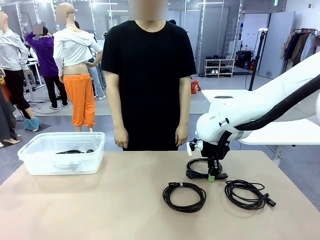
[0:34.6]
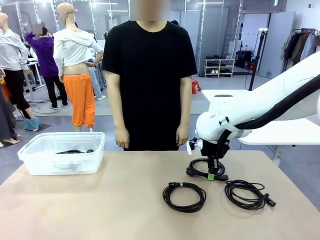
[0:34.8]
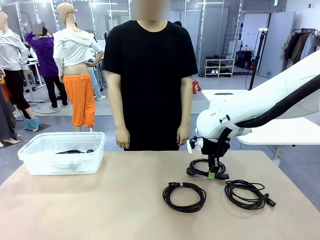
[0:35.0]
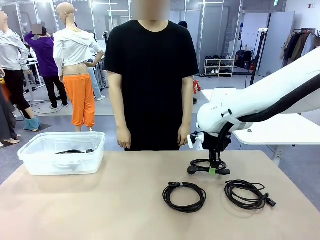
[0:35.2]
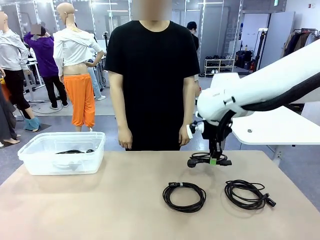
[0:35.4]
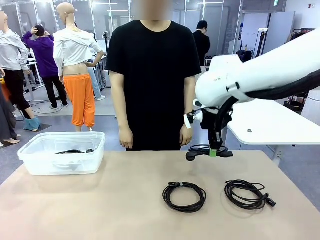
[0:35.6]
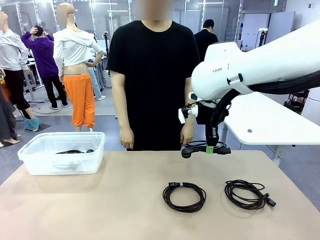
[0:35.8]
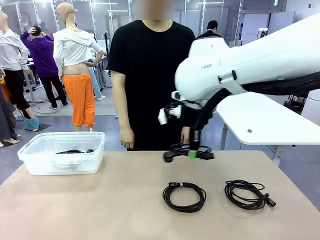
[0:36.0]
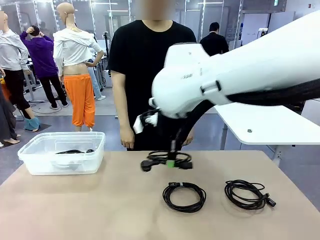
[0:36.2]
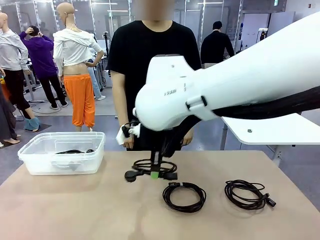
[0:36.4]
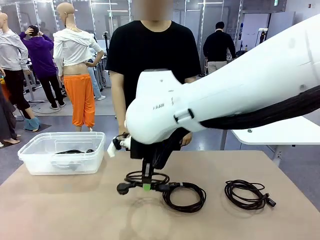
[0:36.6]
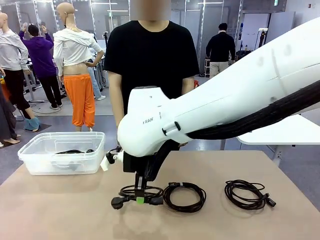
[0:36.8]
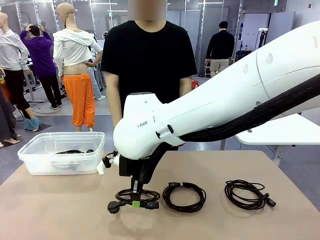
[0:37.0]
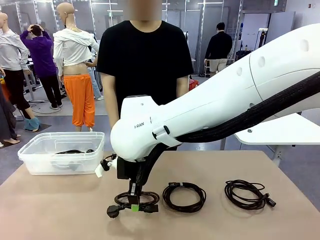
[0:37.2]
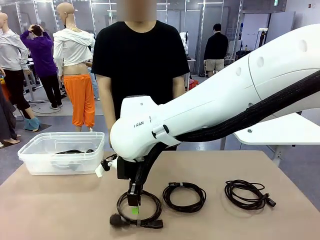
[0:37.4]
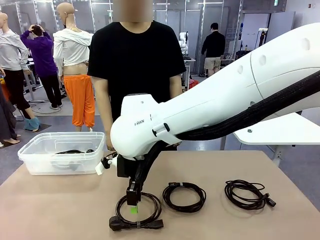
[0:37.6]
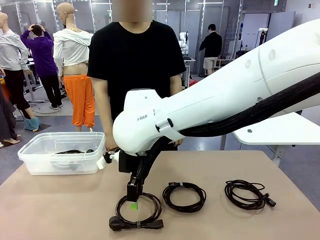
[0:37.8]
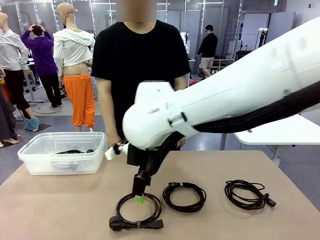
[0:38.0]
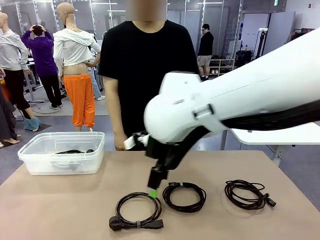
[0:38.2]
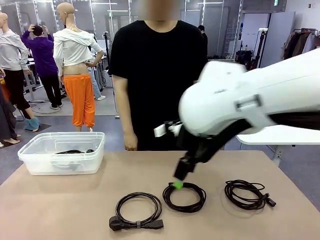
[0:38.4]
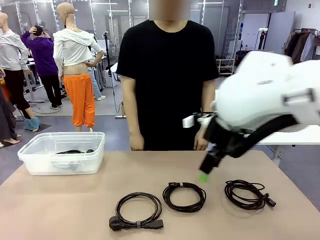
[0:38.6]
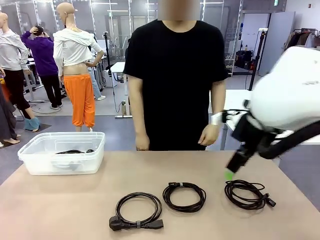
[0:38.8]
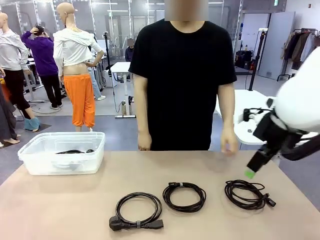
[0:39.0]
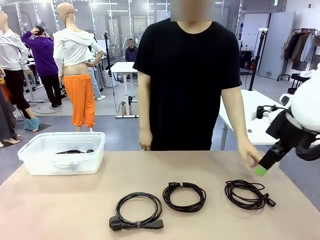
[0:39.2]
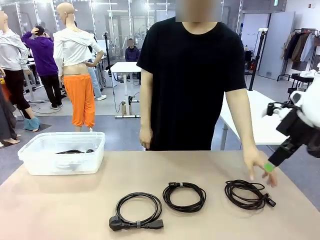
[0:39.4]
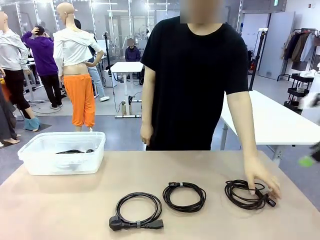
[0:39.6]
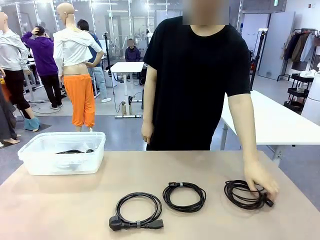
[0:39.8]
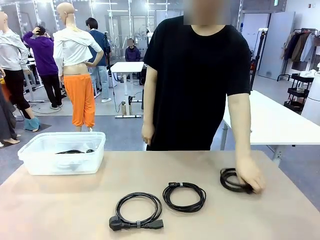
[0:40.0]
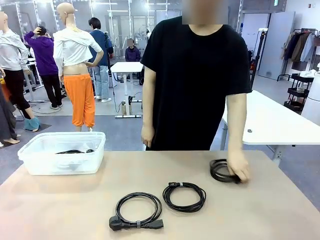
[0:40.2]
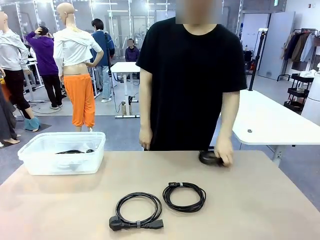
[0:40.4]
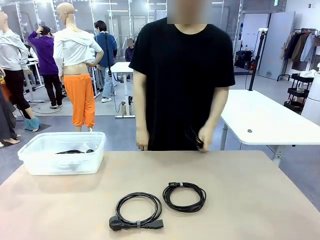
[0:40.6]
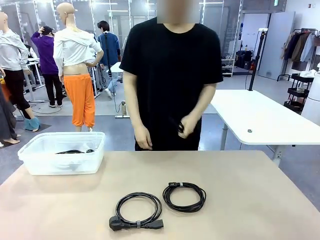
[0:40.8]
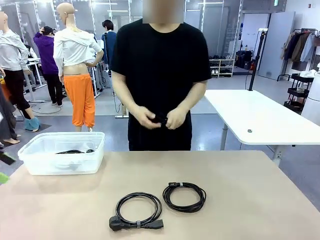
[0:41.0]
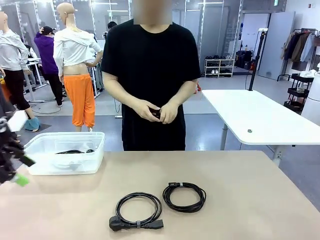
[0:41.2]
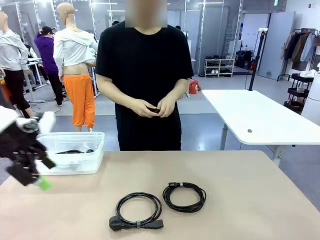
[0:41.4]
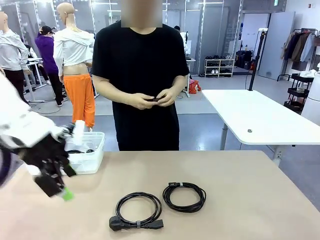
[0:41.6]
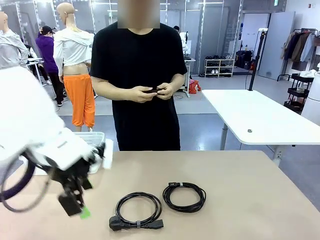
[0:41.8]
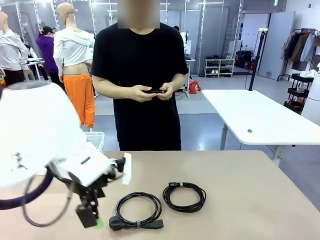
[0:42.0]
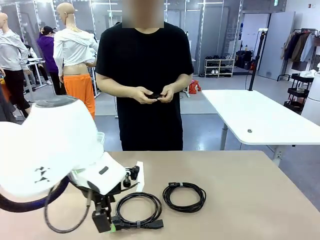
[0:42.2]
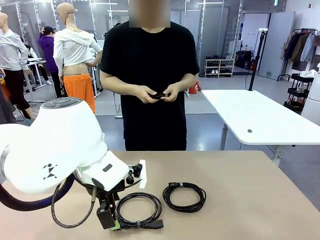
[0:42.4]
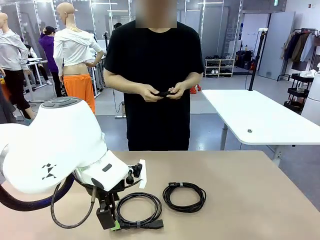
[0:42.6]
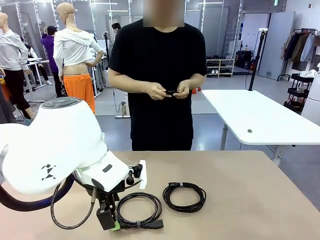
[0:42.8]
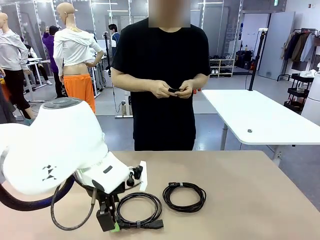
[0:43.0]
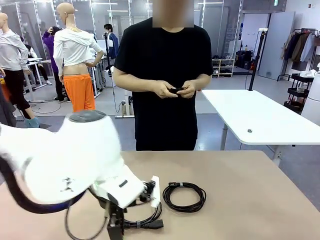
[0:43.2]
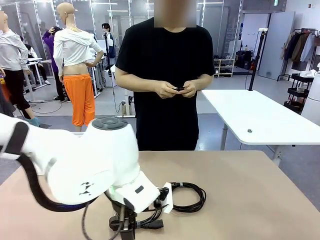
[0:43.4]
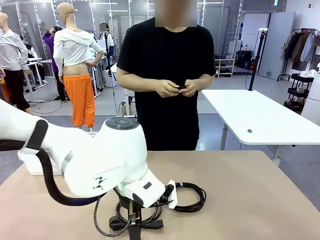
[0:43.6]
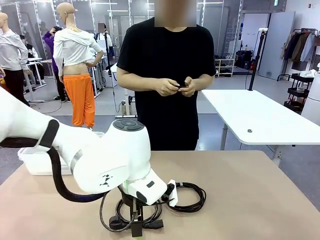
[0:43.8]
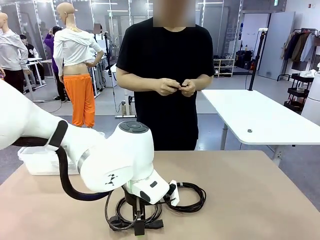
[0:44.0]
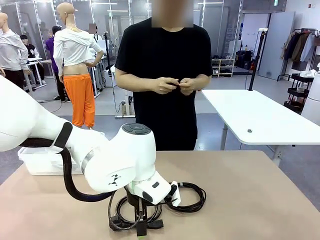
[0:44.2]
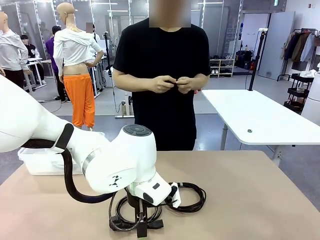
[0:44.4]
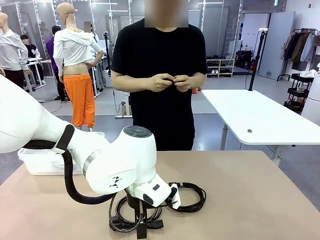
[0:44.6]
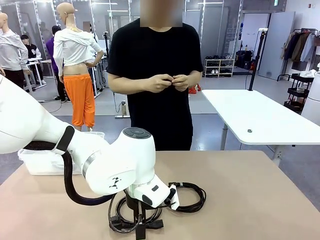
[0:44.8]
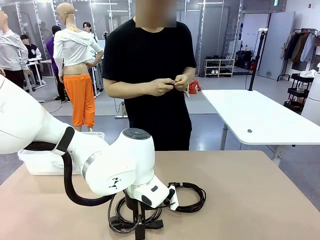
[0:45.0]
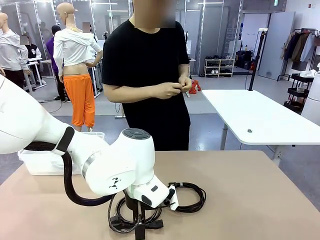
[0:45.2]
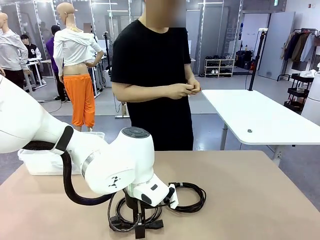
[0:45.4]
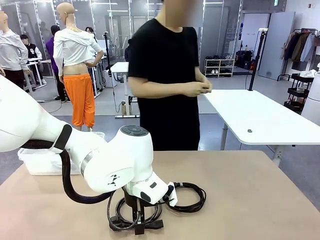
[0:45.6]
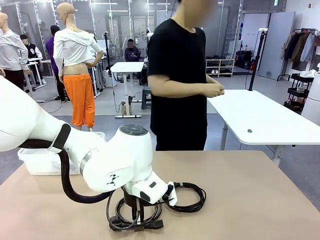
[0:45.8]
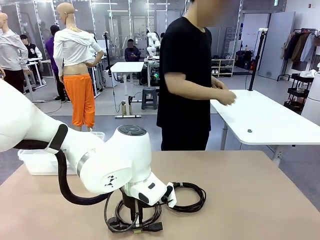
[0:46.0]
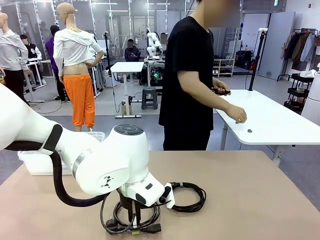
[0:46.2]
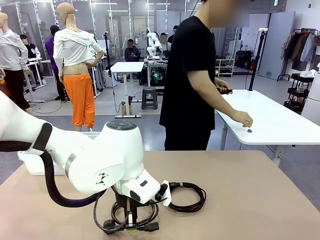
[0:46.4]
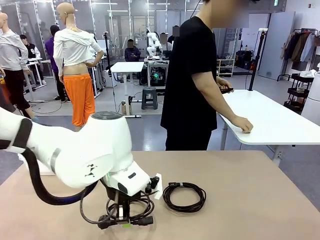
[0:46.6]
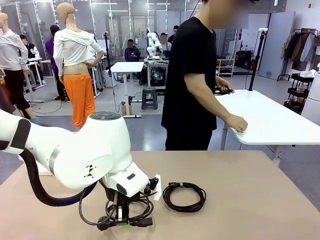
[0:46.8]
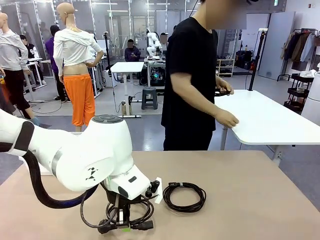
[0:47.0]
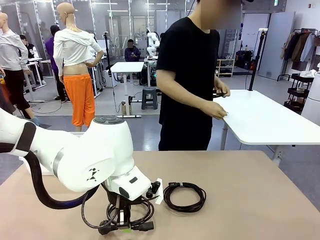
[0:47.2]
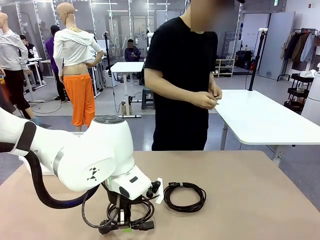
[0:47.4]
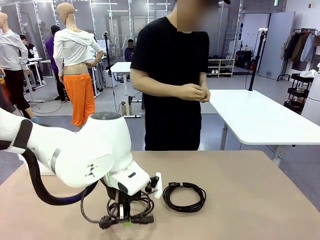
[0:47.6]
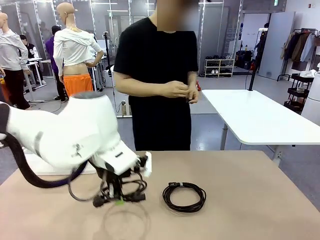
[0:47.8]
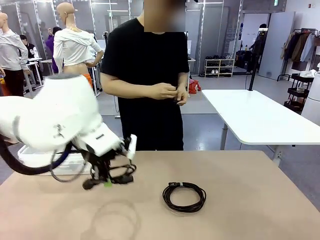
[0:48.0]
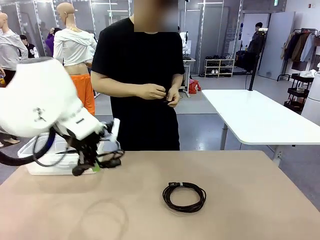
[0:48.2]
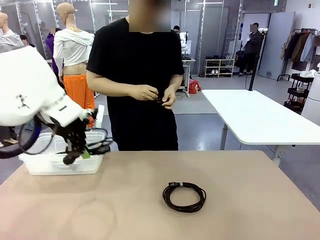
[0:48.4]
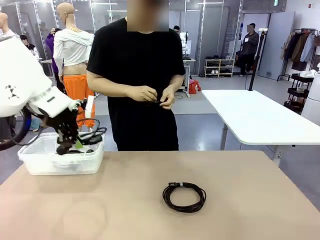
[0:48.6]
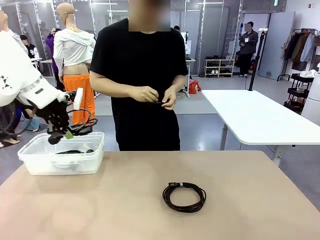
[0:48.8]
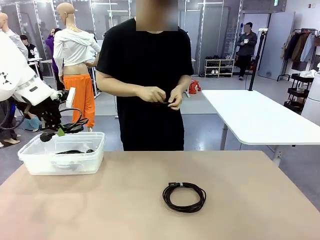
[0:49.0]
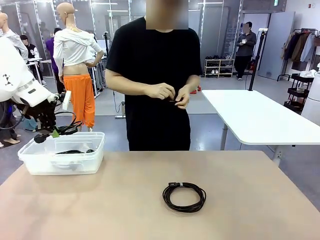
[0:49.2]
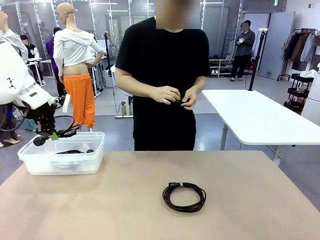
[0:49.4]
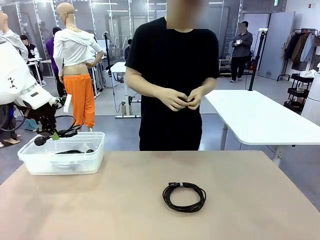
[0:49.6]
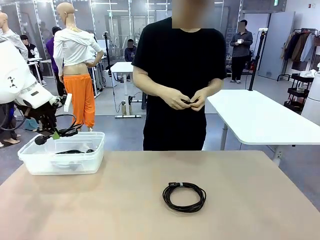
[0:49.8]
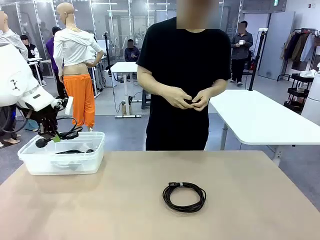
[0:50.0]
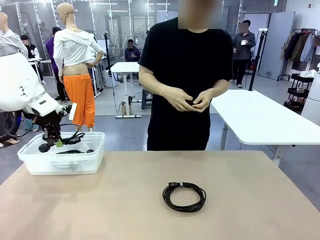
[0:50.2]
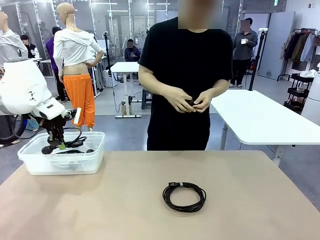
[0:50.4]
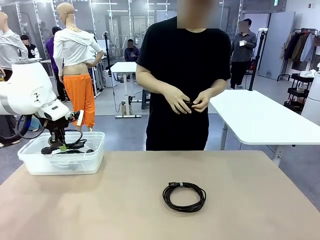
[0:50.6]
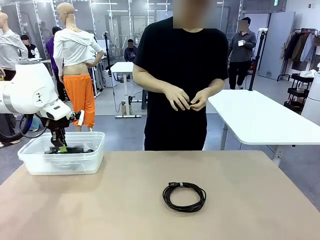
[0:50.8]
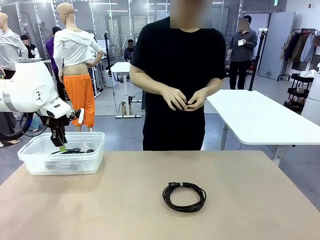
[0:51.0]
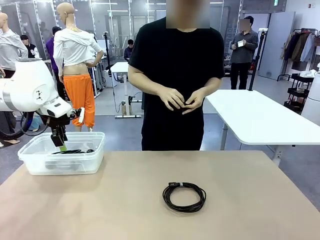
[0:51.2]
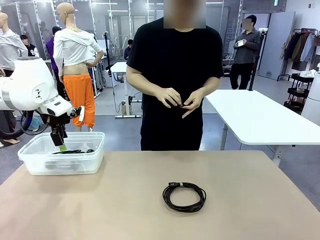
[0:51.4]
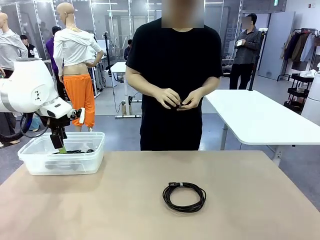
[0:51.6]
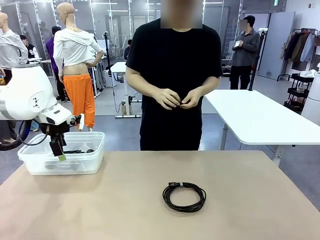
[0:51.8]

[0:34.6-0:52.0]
Task: Organize and store the cables.
Robot: Place the Power Cable into the Organizing box.
